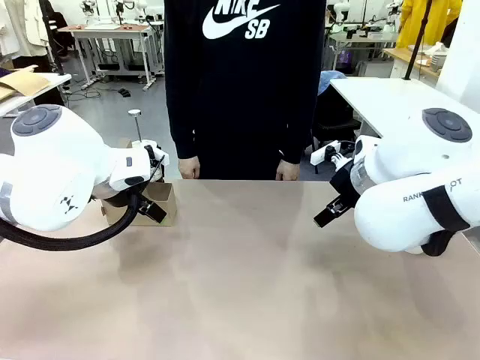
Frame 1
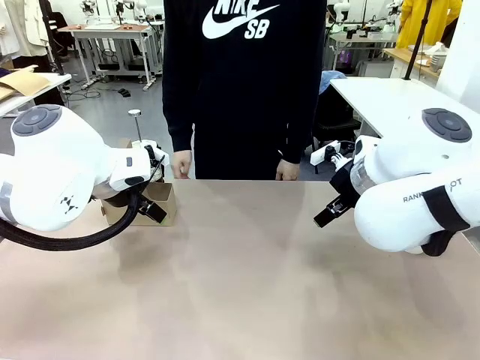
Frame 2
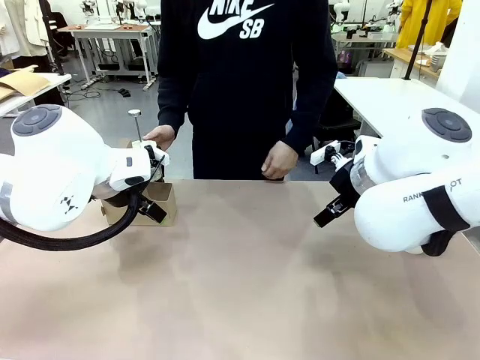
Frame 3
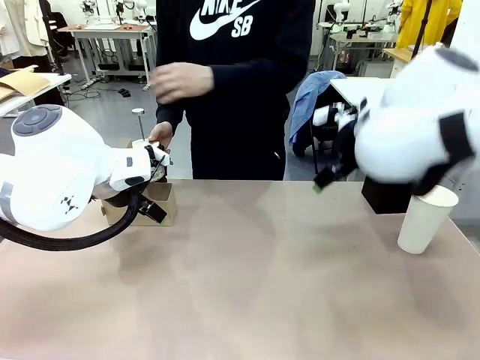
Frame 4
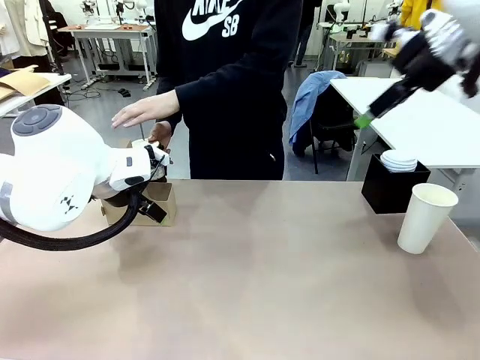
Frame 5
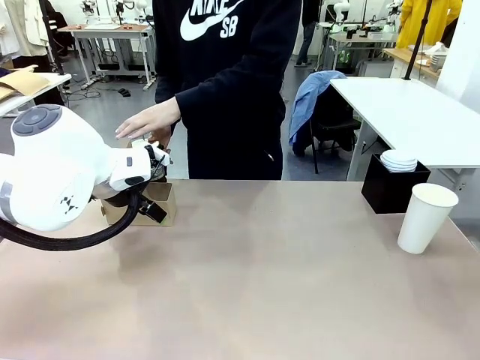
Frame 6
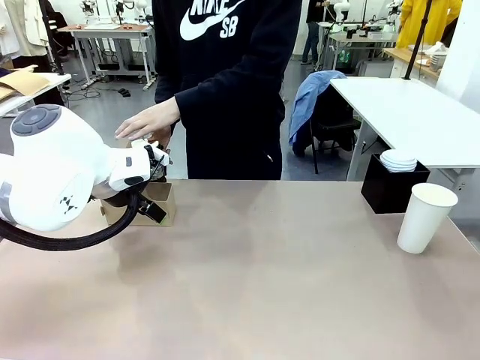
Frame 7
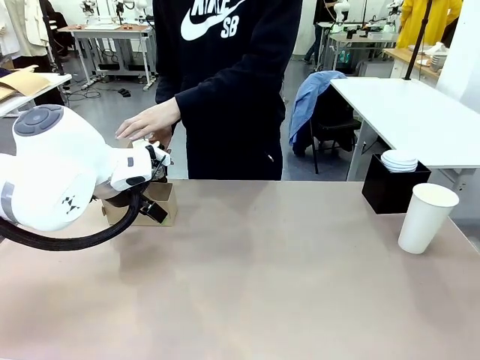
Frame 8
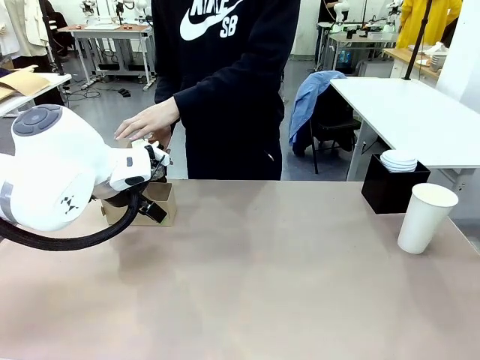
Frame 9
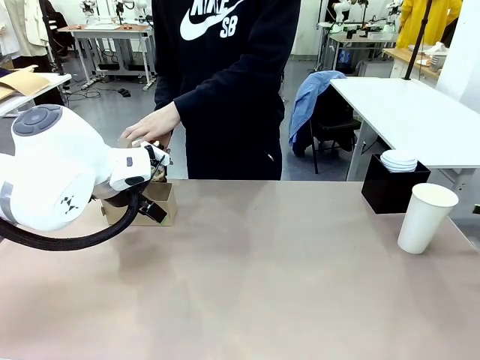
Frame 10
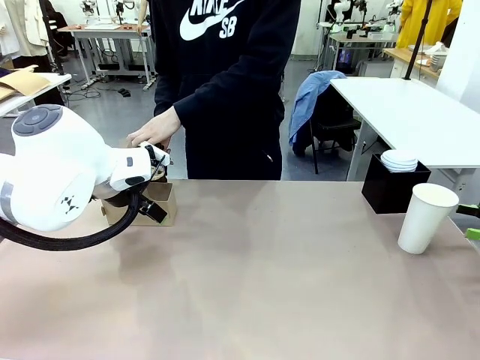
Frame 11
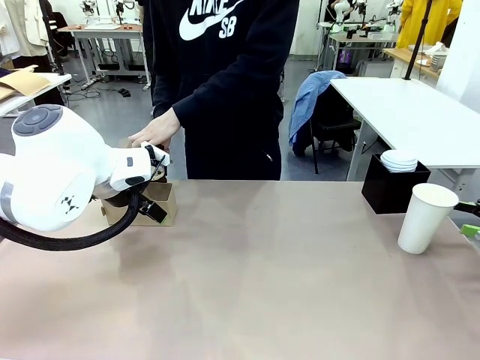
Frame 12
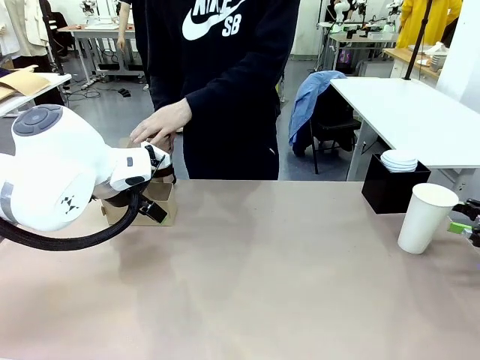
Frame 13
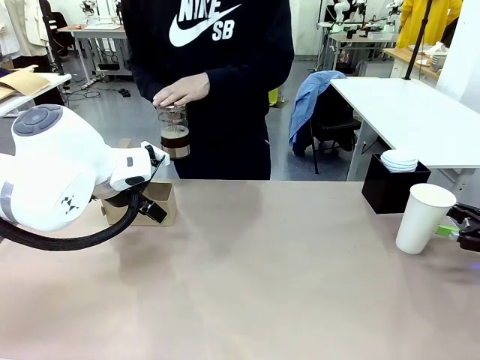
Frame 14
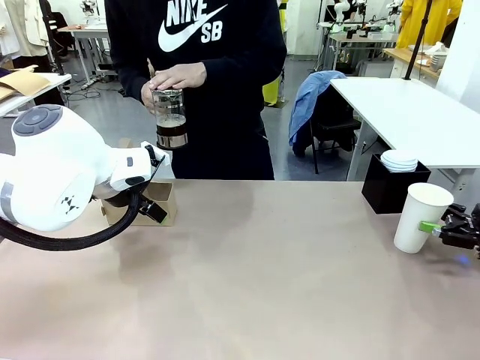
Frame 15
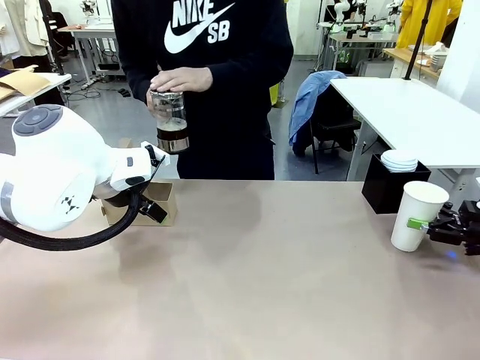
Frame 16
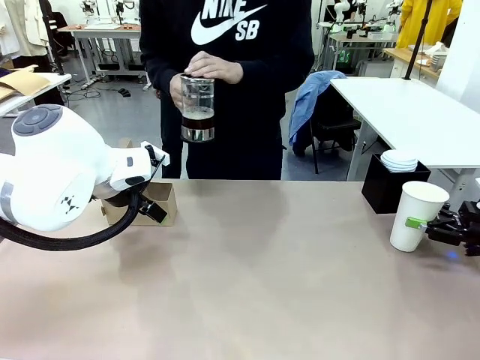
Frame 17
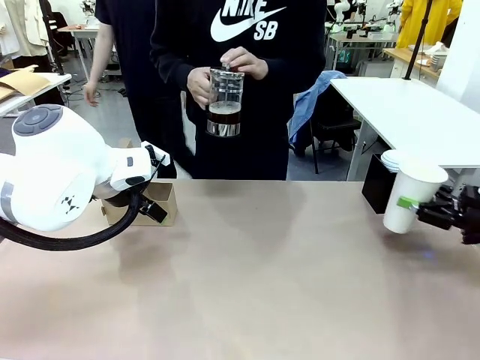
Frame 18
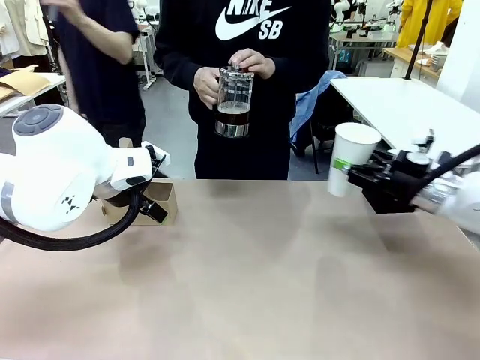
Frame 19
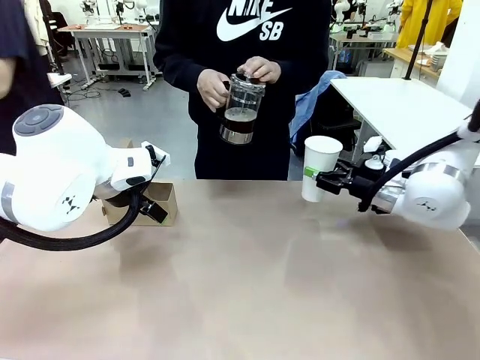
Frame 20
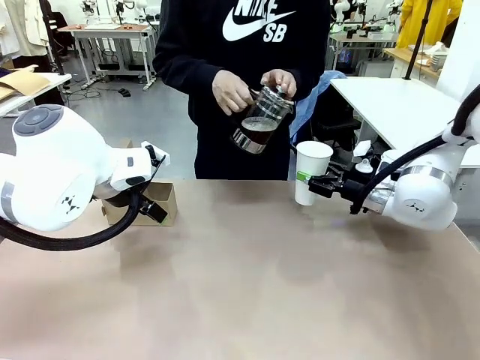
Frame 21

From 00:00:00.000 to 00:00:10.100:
Task: Pour a drink into a cup and package it in a carrier.
Robot: Pick up the 600 ml Paper Cup and place it in the middle top area of the table.
Person: Press and pick up the Filter Brewing.

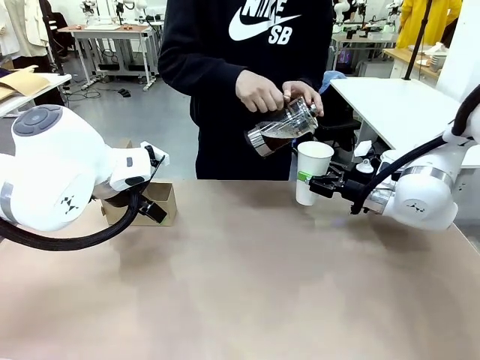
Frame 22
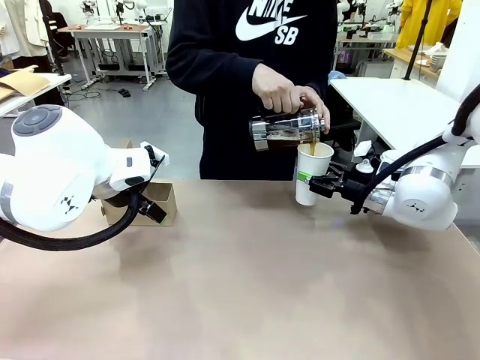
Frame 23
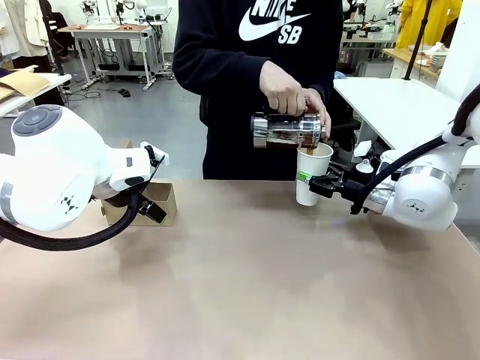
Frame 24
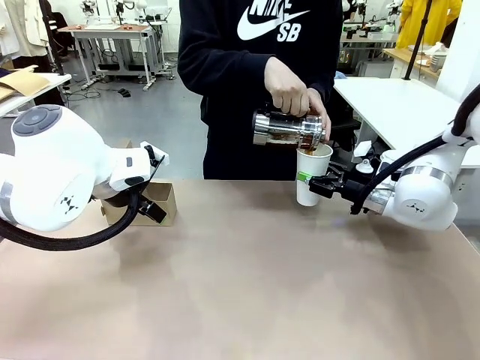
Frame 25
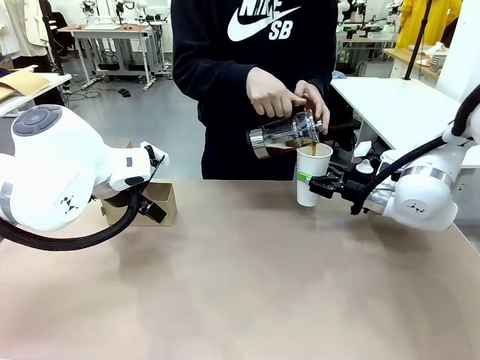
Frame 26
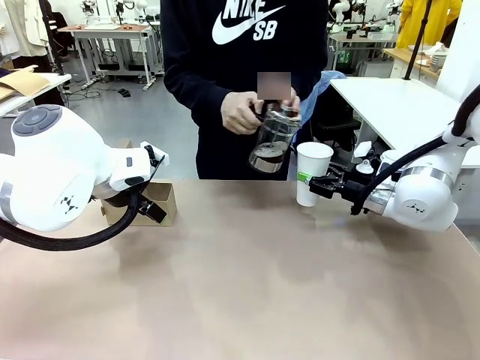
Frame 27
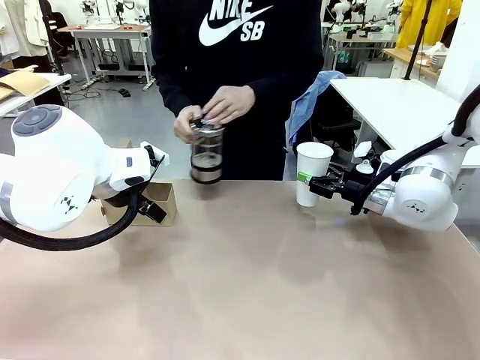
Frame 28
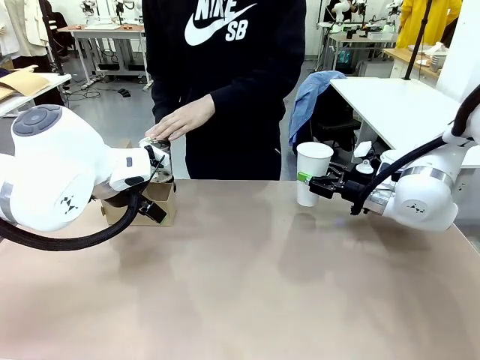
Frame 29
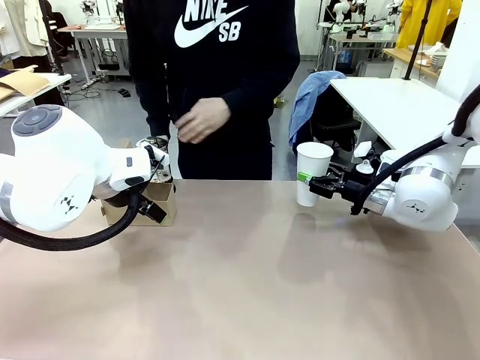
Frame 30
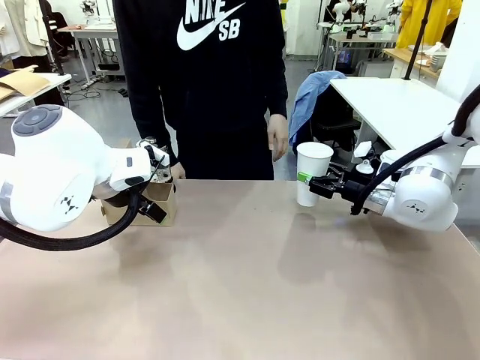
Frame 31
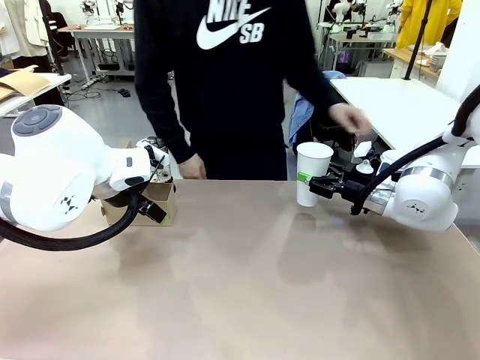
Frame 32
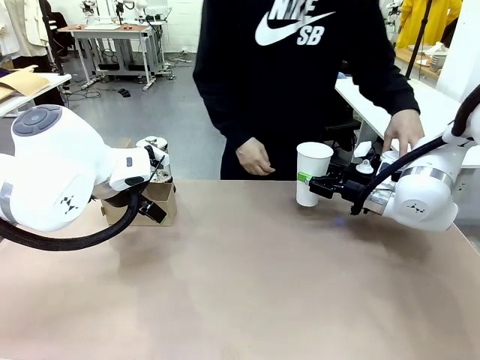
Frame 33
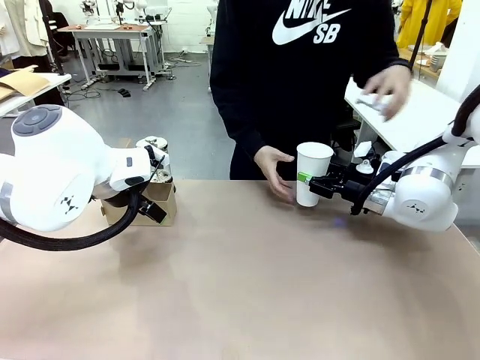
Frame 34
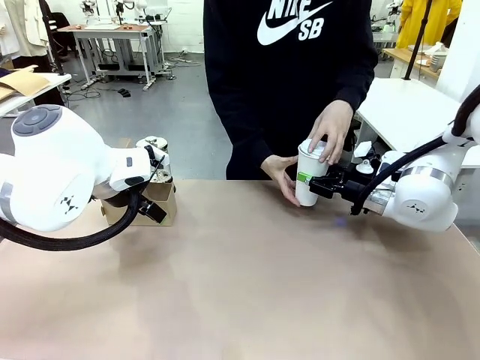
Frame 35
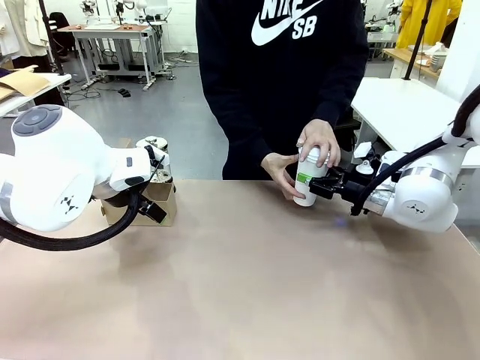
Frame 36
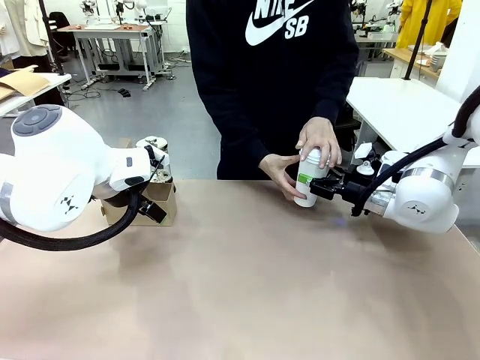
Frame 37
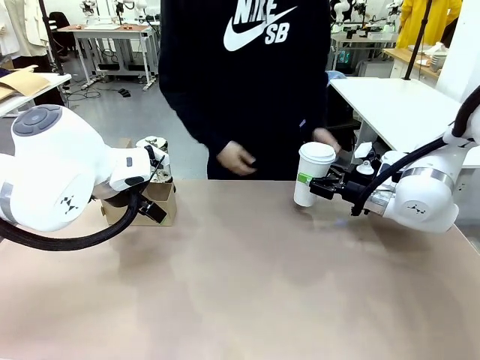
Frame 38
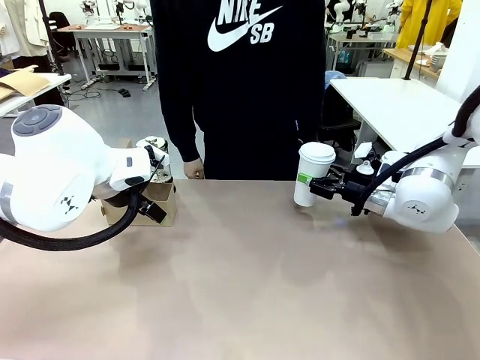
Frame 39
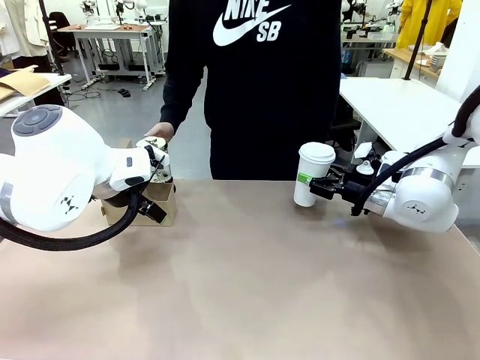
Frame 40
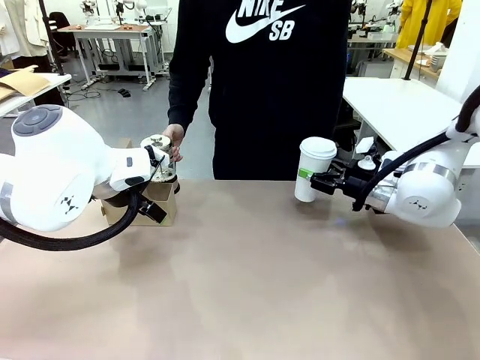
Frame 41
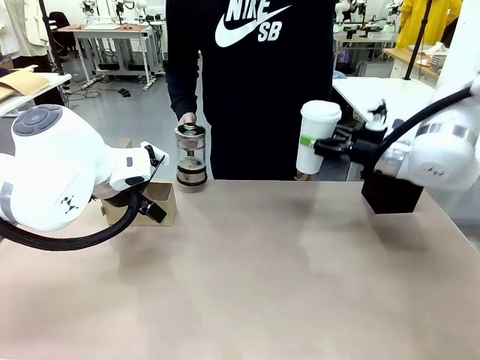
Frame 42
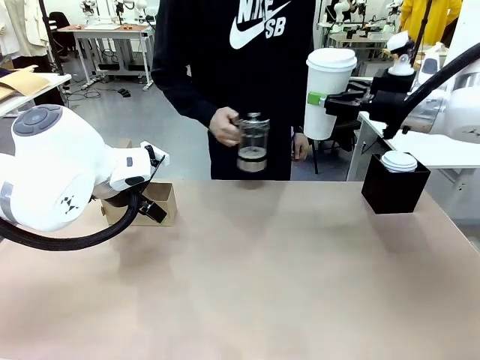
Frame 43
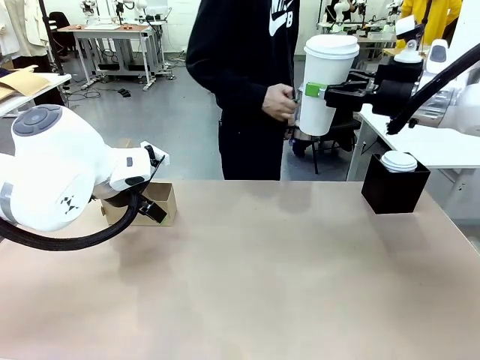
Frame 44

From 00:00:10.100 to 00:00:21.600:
Robot: When a person places the Paper Cup Lid on the 600 ml Paper Cup , lift the 600 ml Paper Cup.
Person: Pour the drink from the Filter Brewing into the 600 ml Paper Cup. Place a Paper Cup Lid on the 600 ml Paper Cup.

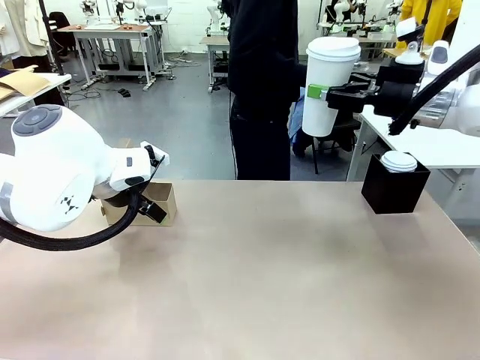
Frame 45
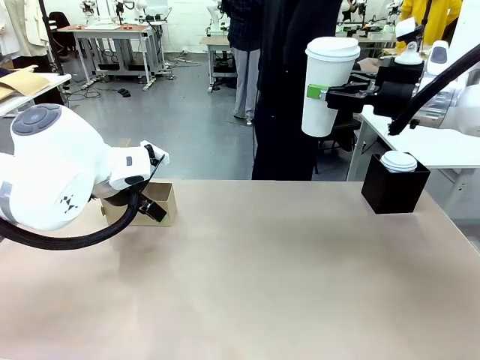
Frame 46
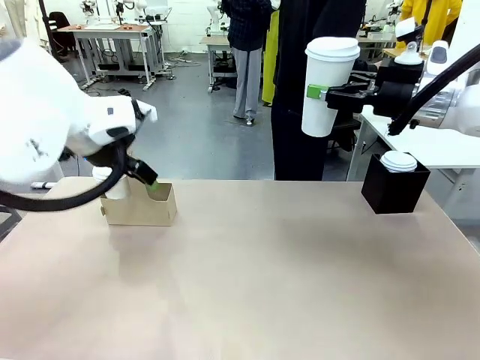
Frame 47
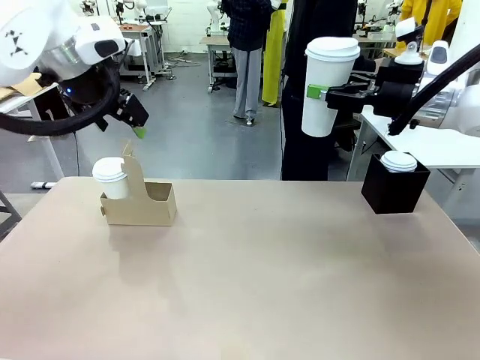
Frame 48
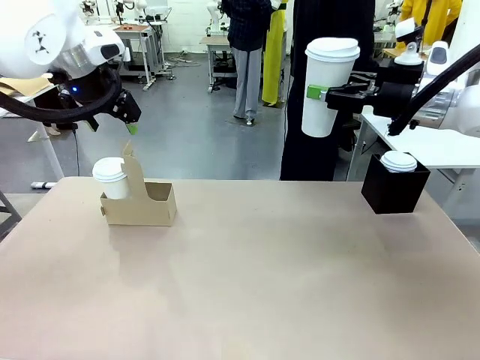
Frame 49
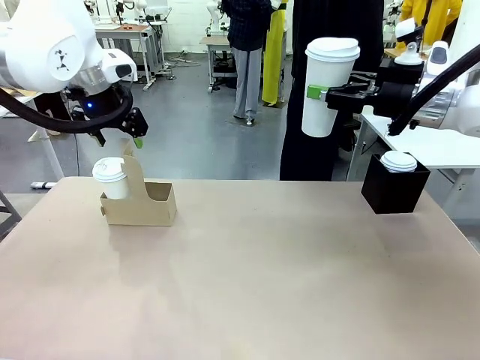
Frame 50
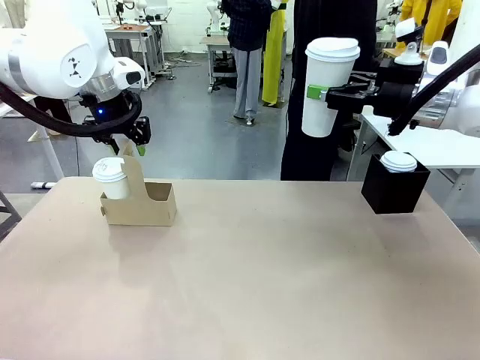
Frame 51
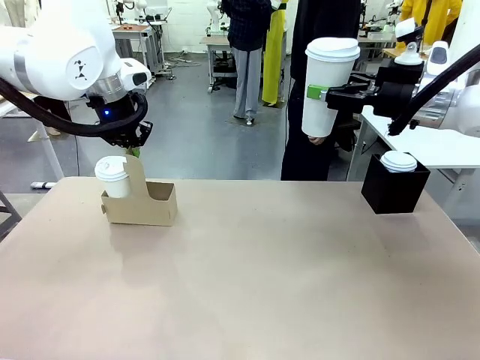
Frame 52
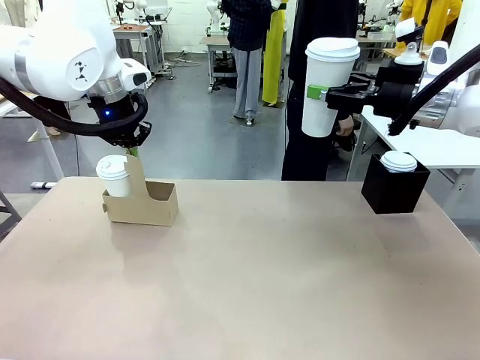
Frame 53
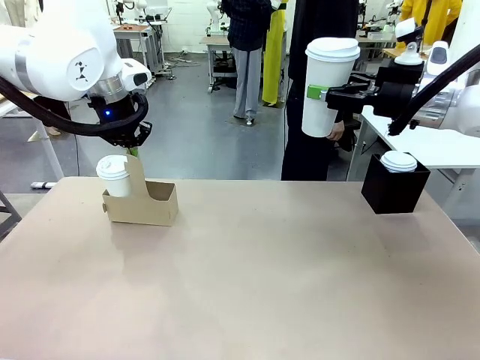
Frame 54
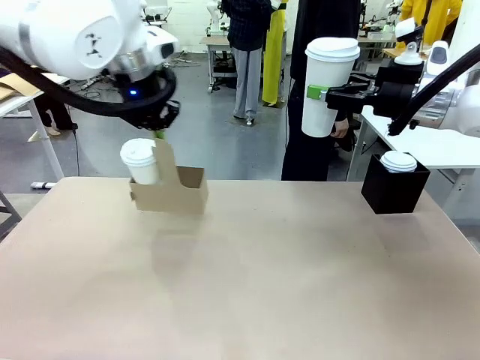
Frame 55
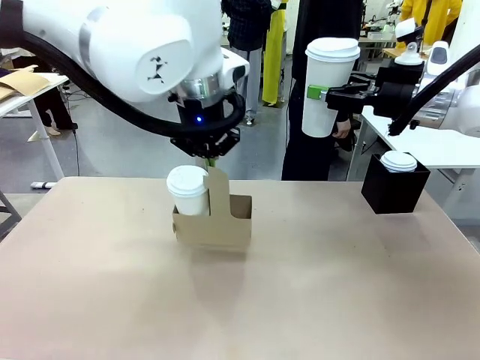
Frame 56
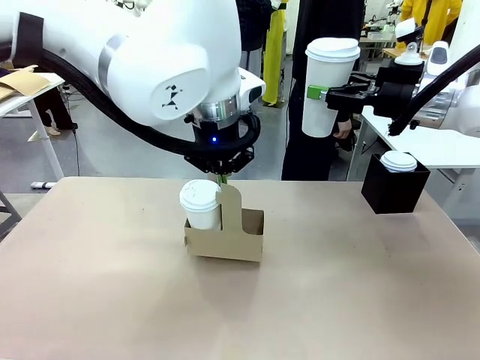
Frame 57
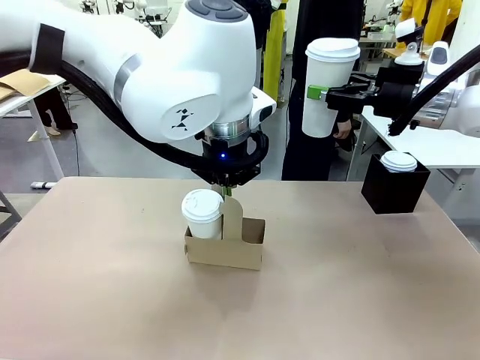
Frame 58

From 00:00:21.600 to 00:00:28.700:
Robot: Position the Cup Carrier in the center of the table.
